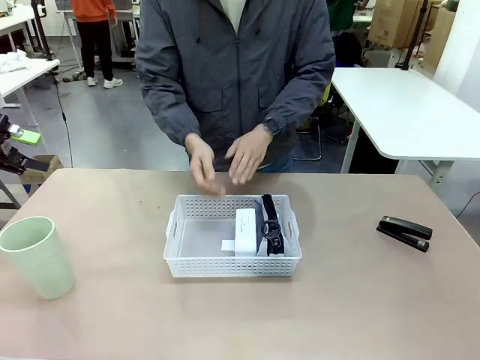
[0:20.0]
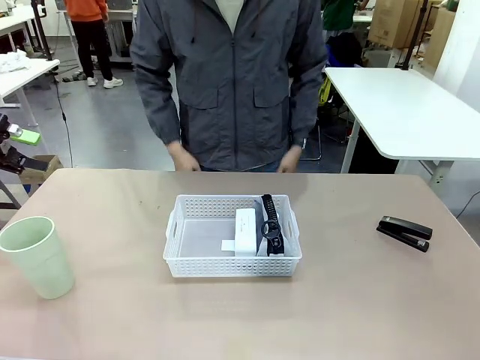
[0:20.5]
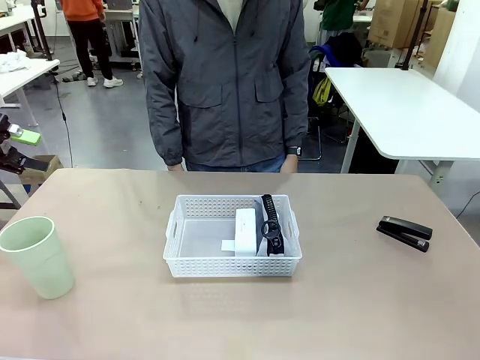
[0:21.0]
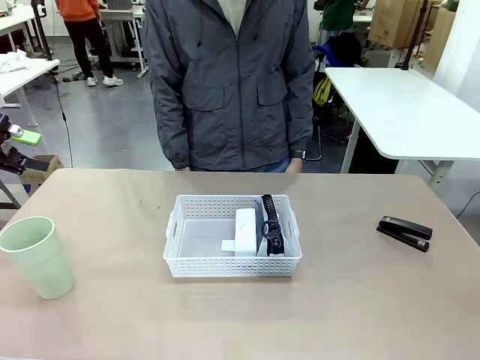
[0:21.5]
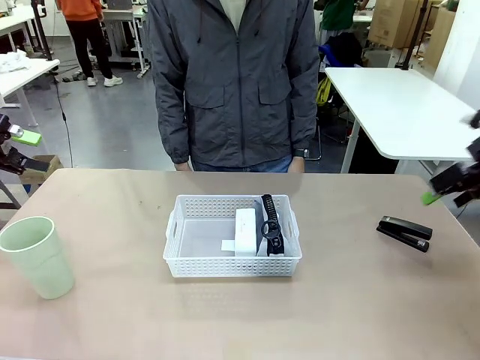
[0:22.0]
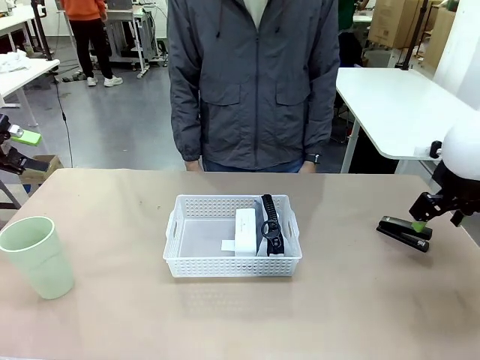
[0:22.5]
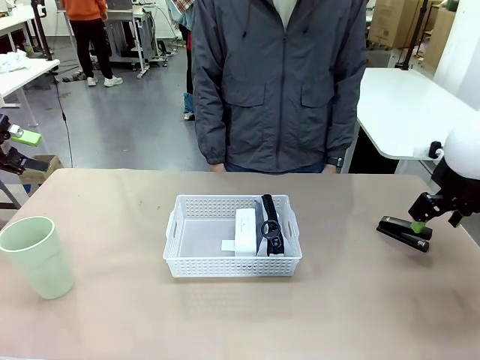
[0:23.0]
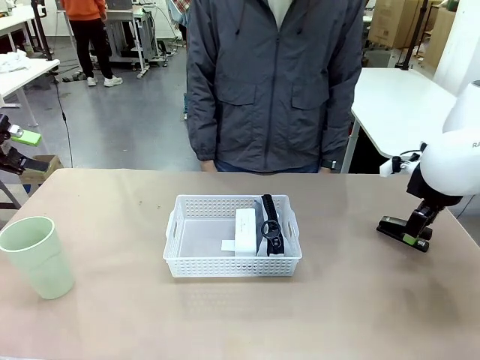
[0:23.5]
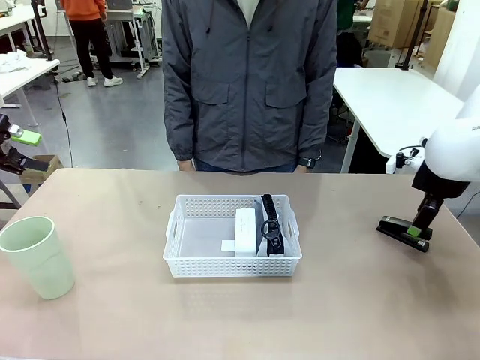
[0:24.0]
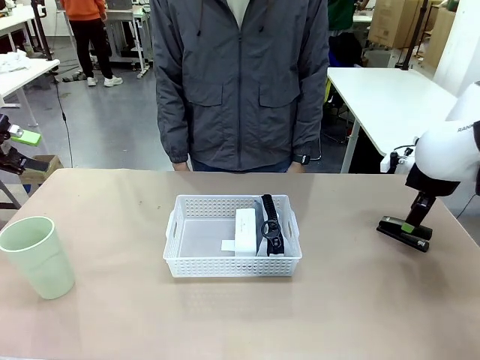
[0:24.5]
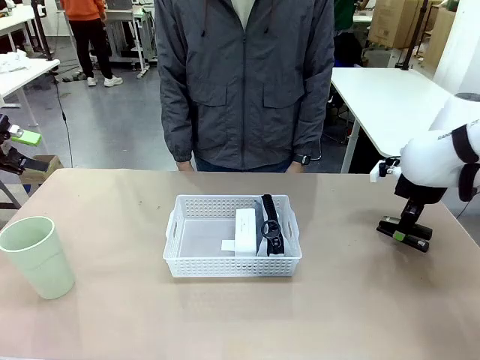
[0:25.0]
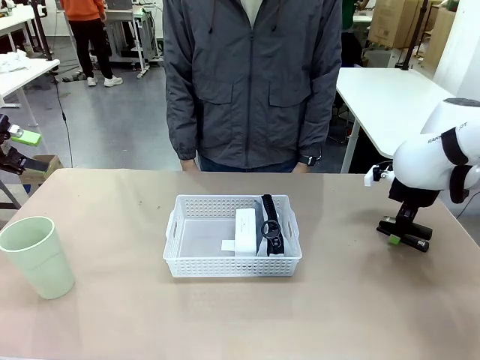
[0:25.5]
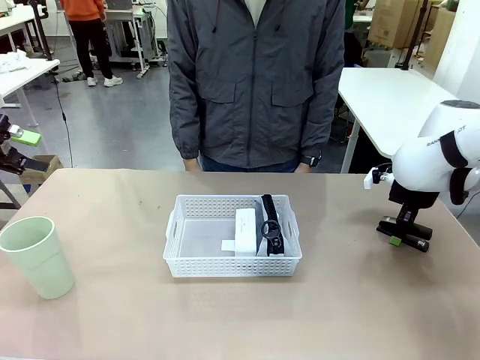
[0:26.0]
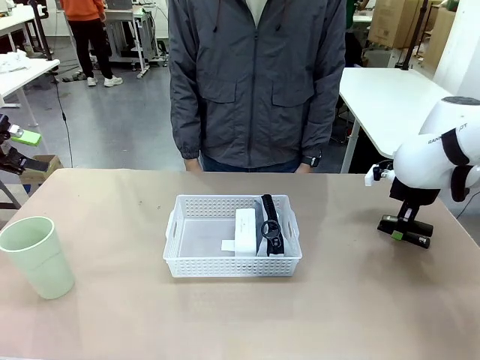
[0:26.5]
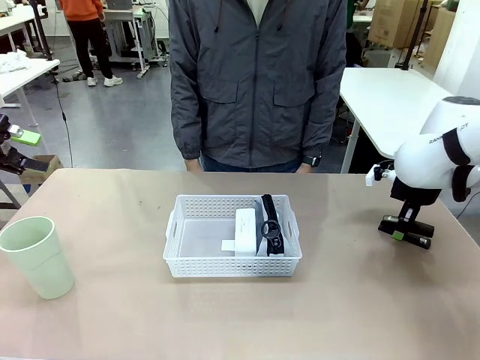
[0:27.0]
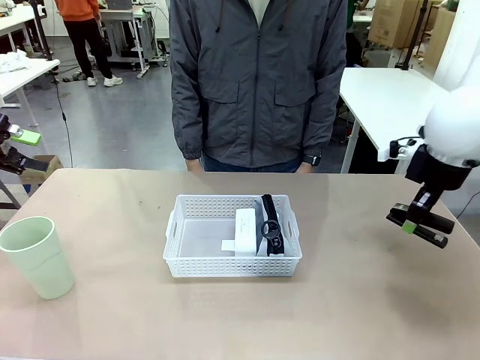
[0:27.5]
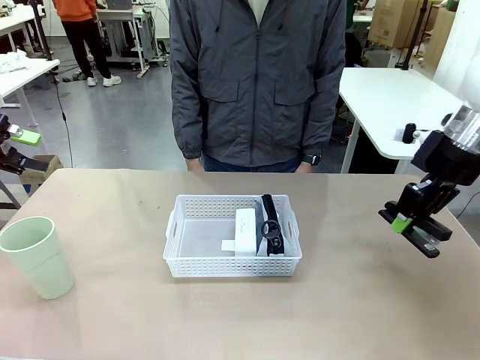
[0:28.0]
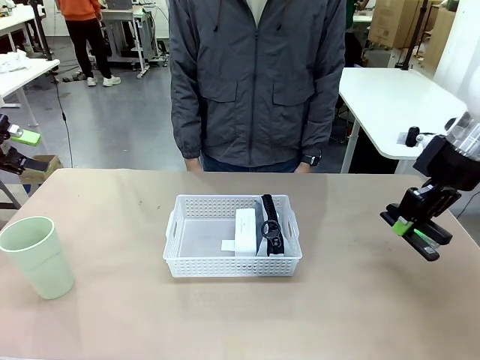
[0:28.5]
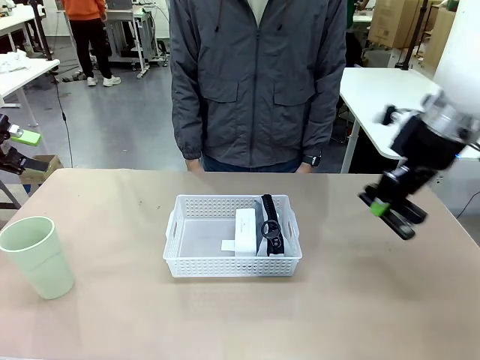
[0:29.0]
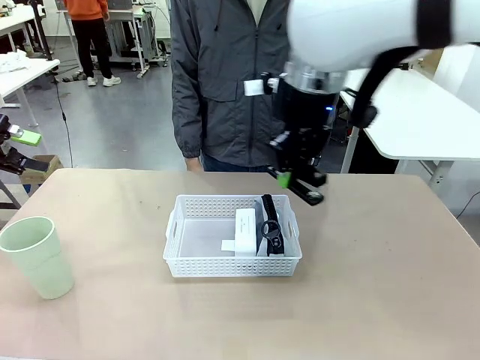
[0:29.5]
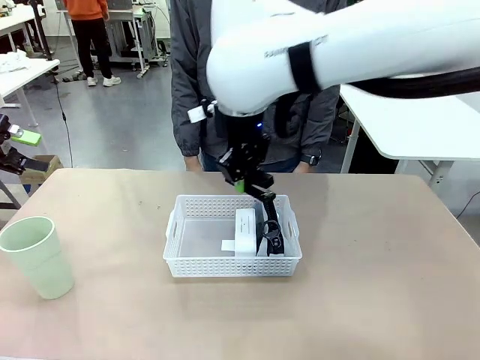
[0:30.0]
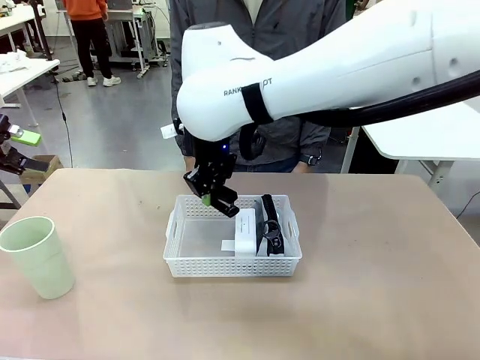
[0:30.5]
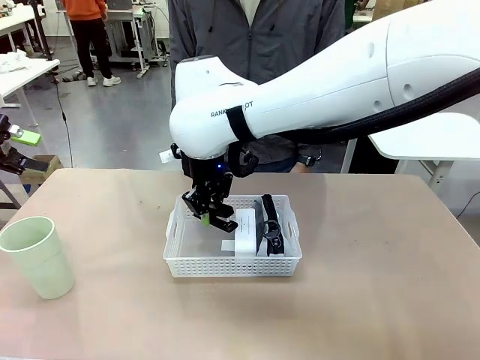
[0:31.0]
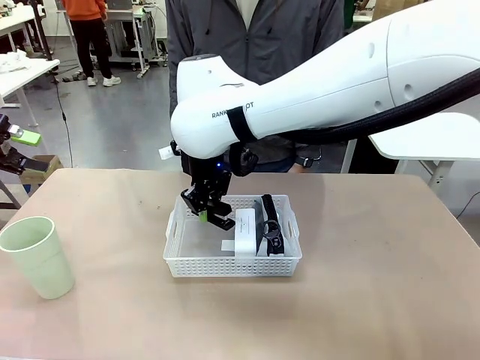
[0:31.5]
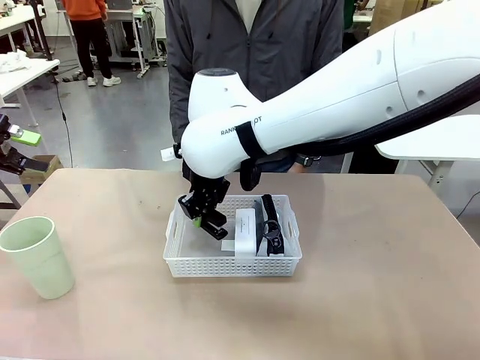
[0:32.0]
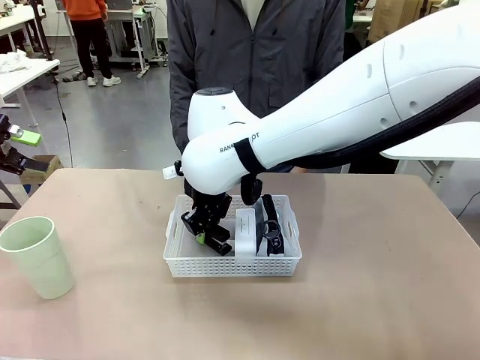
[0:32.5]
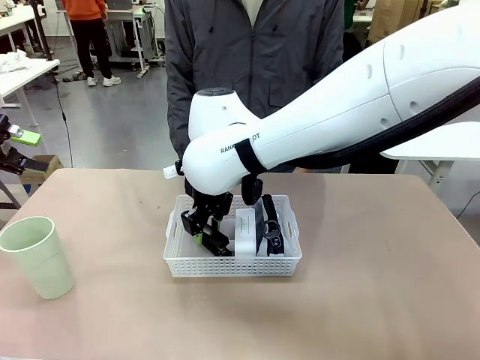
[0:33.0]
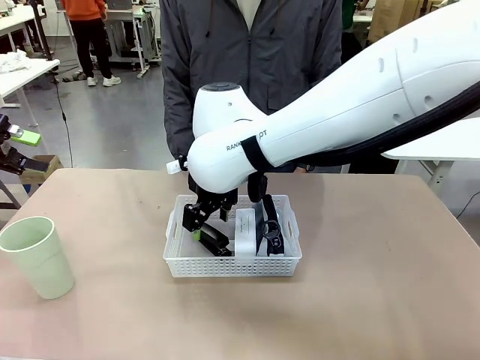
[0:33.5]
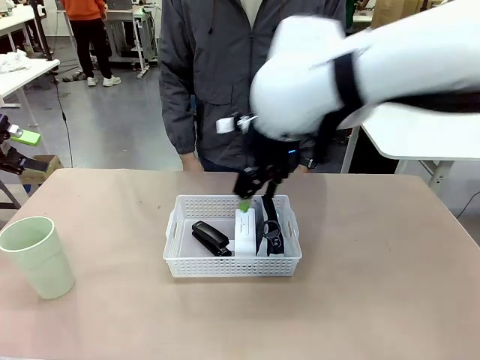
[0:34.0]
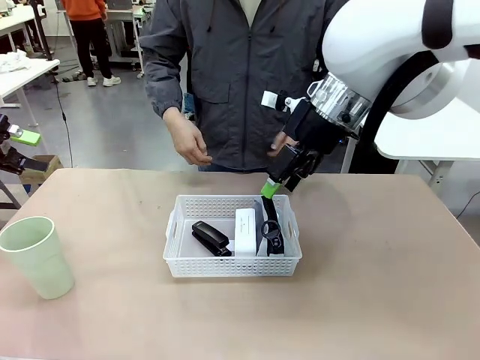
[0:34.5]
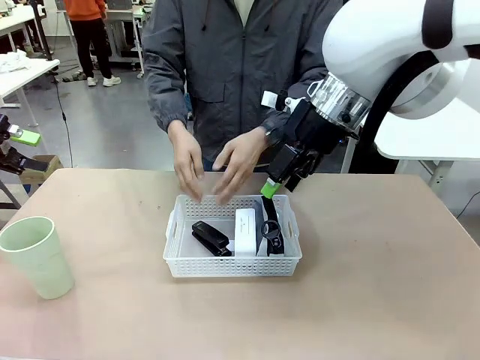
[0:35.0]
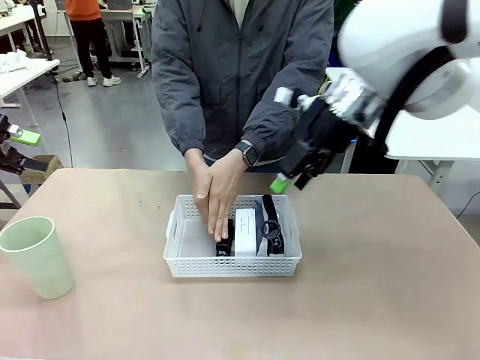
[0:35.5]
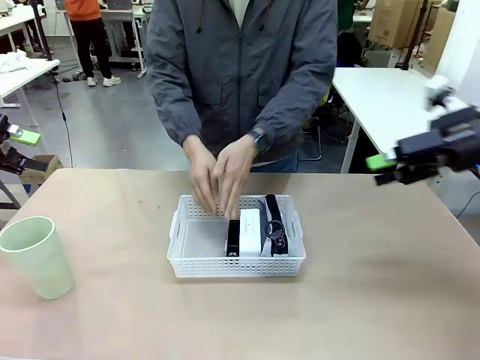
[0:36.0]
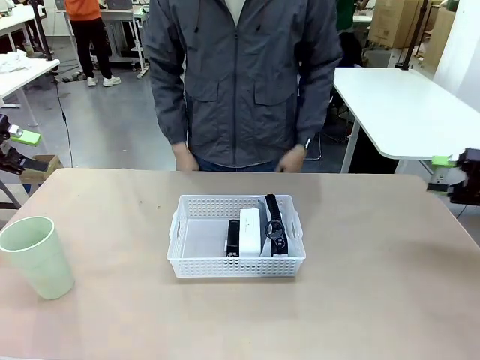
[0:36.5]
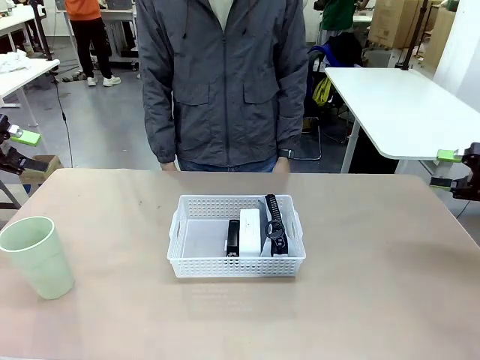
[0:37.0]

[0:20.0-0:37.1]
Task: Efficiently arrange items inside the basket to fit them all.
Robot: Pick up the Stapler and place it inside the Organizing basket.
